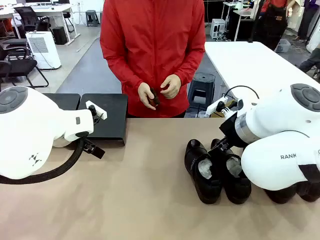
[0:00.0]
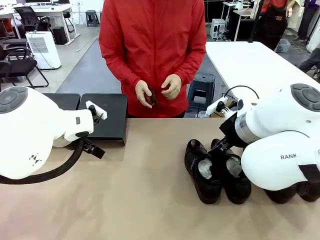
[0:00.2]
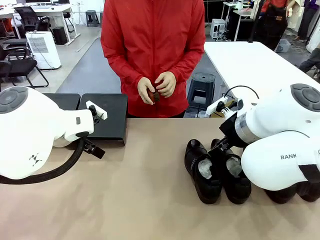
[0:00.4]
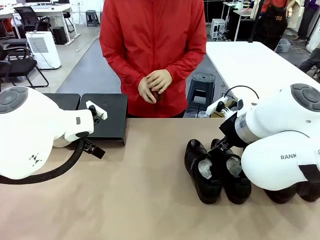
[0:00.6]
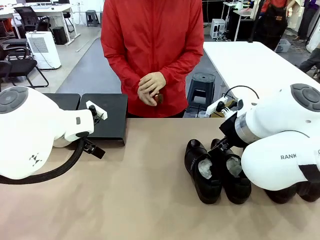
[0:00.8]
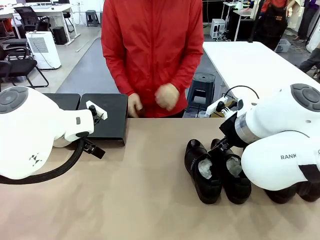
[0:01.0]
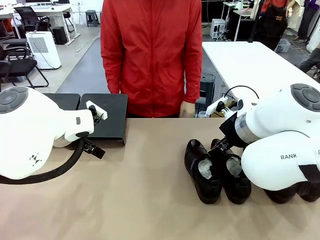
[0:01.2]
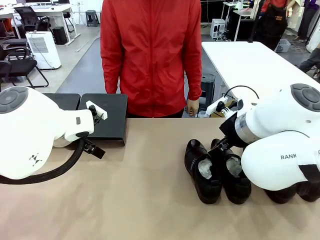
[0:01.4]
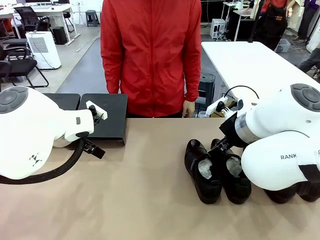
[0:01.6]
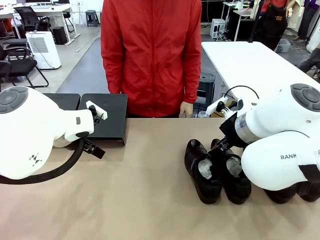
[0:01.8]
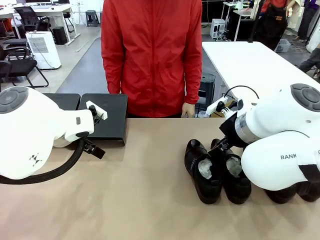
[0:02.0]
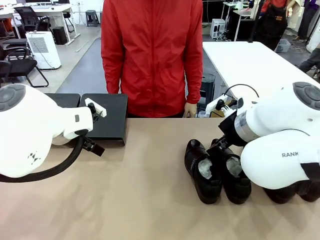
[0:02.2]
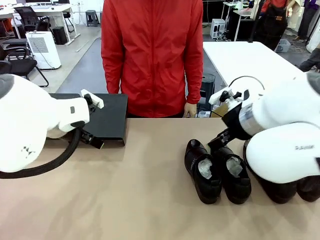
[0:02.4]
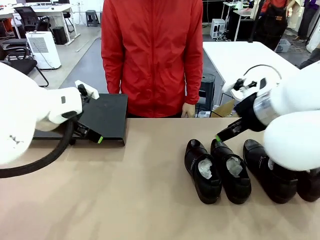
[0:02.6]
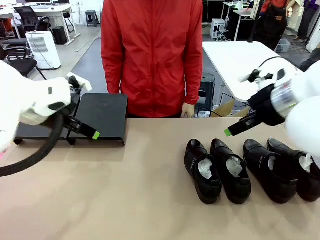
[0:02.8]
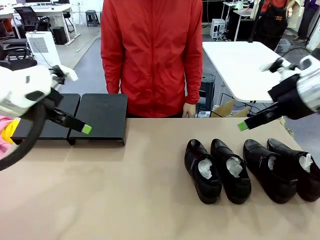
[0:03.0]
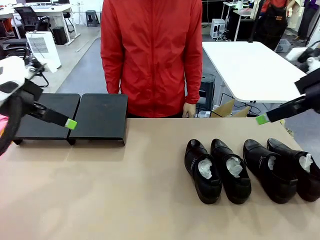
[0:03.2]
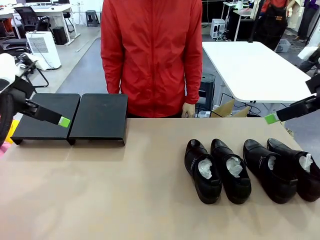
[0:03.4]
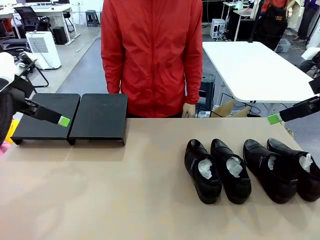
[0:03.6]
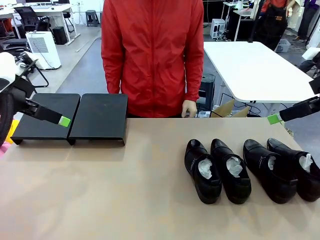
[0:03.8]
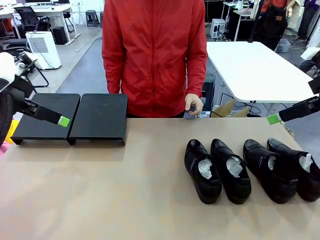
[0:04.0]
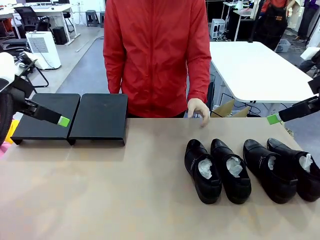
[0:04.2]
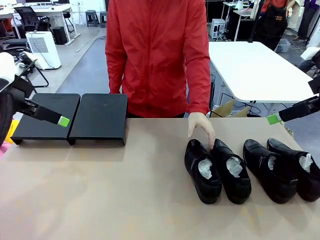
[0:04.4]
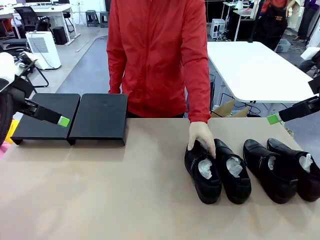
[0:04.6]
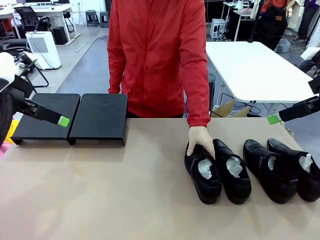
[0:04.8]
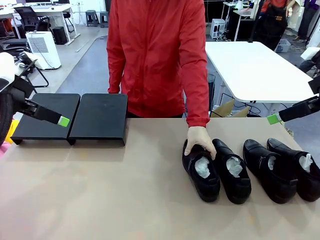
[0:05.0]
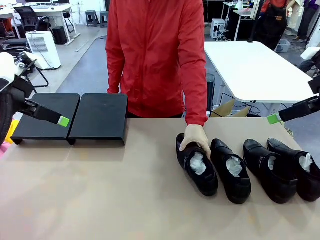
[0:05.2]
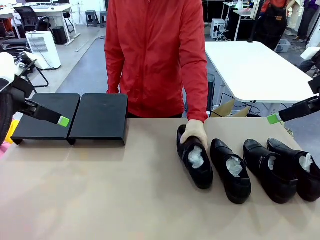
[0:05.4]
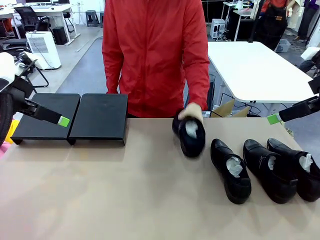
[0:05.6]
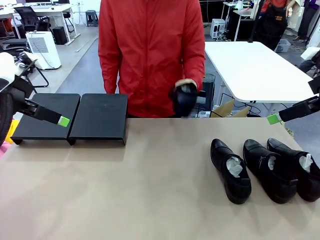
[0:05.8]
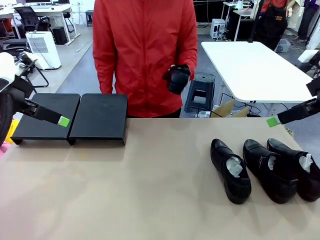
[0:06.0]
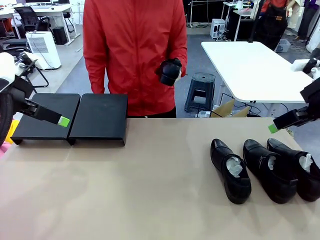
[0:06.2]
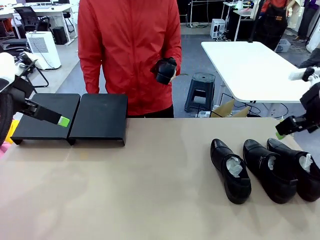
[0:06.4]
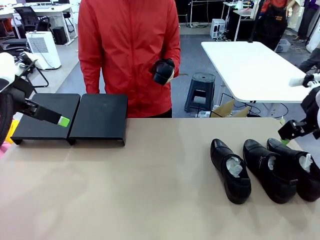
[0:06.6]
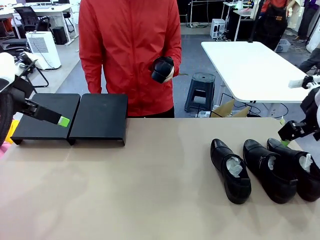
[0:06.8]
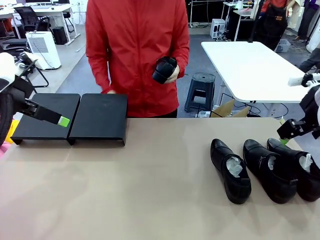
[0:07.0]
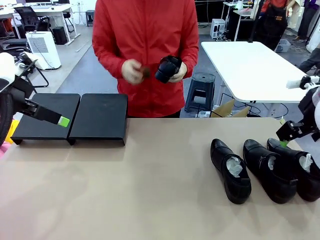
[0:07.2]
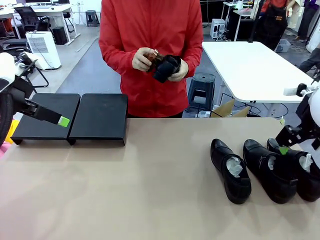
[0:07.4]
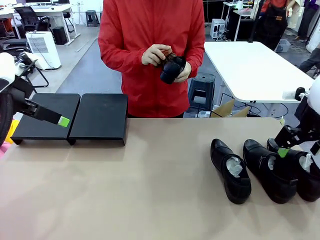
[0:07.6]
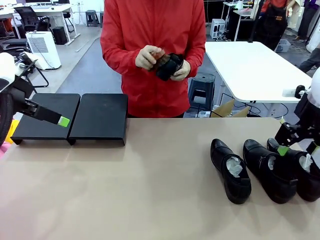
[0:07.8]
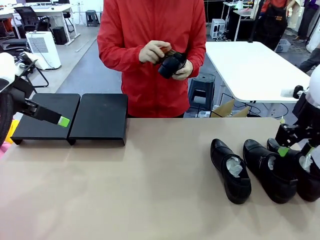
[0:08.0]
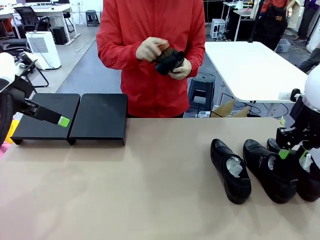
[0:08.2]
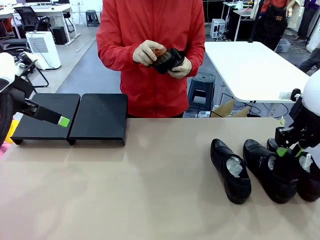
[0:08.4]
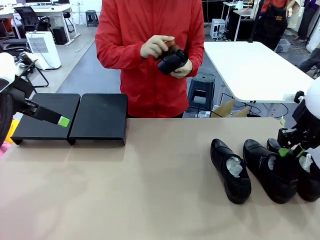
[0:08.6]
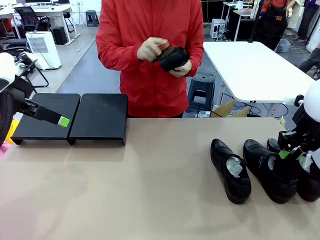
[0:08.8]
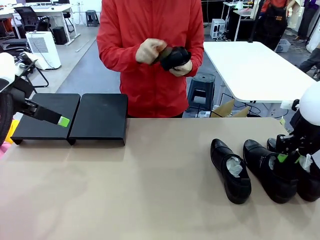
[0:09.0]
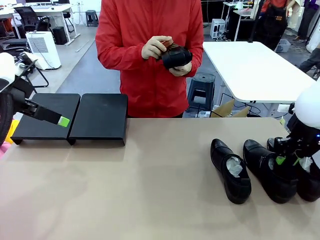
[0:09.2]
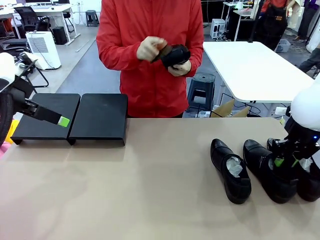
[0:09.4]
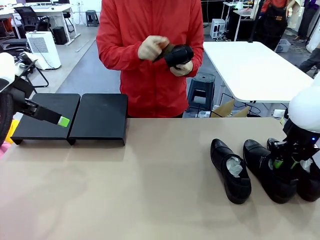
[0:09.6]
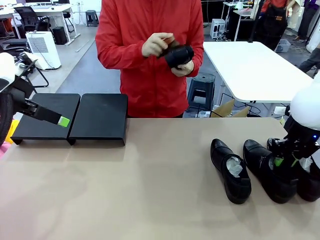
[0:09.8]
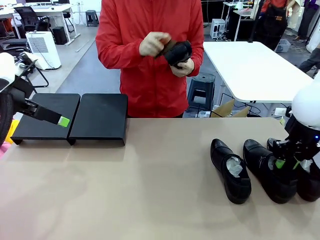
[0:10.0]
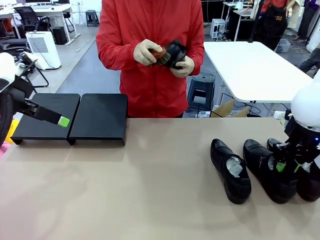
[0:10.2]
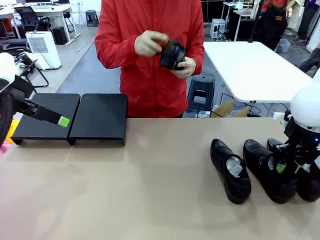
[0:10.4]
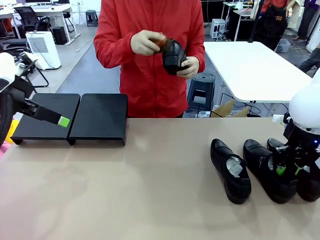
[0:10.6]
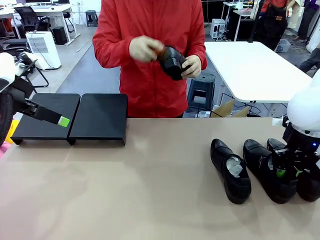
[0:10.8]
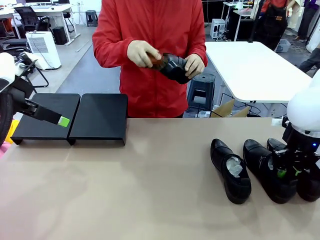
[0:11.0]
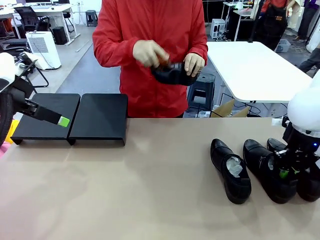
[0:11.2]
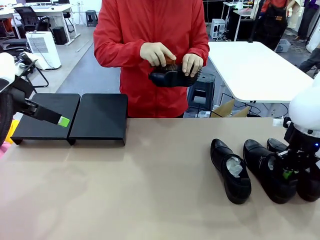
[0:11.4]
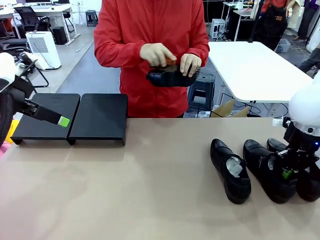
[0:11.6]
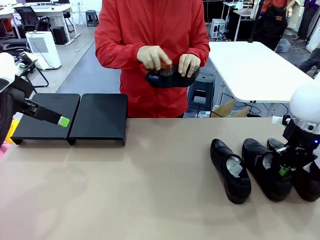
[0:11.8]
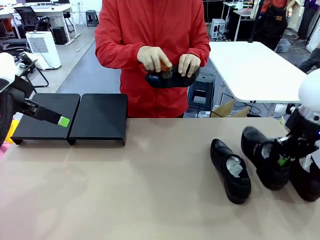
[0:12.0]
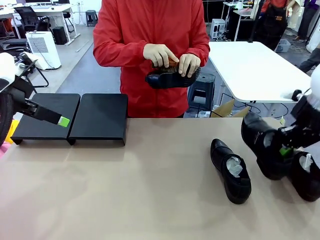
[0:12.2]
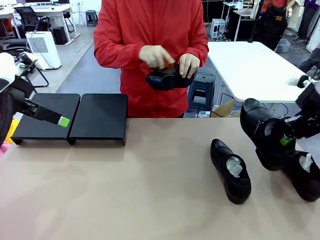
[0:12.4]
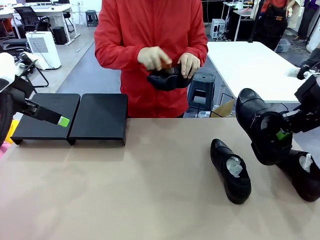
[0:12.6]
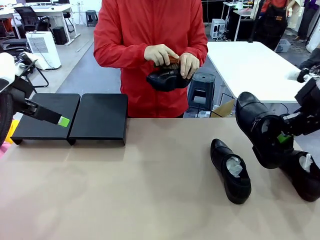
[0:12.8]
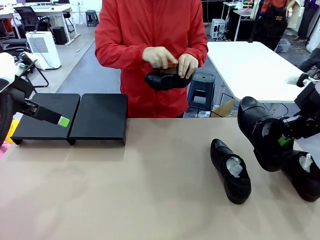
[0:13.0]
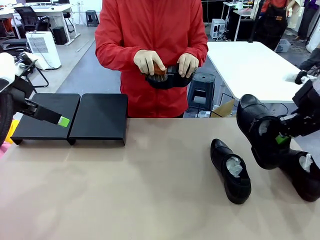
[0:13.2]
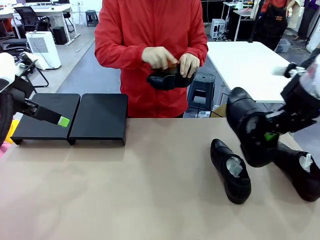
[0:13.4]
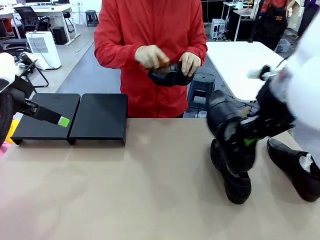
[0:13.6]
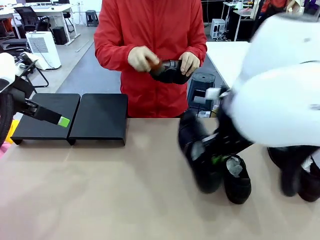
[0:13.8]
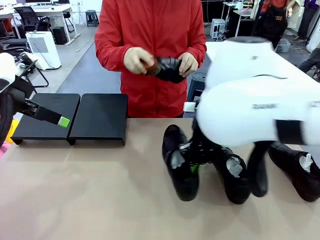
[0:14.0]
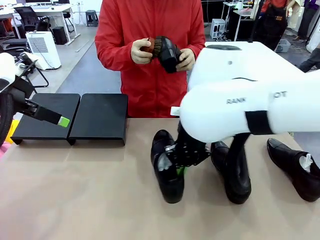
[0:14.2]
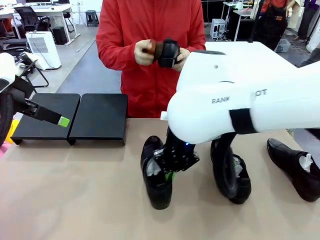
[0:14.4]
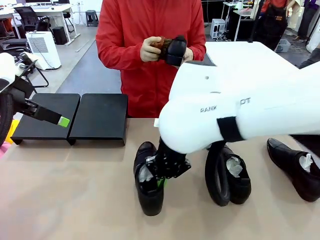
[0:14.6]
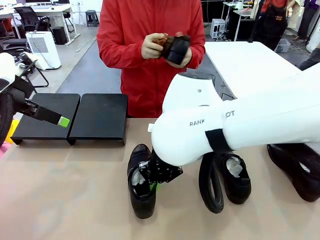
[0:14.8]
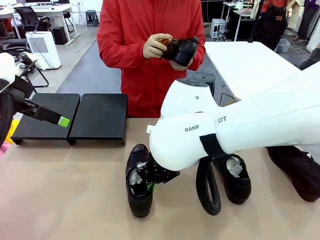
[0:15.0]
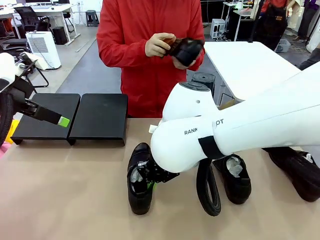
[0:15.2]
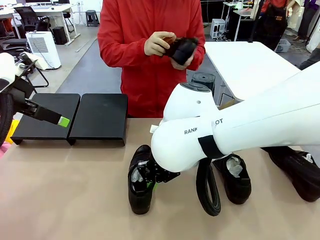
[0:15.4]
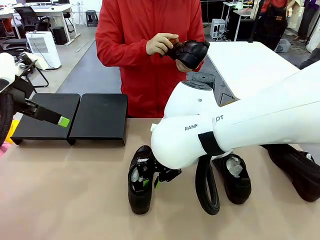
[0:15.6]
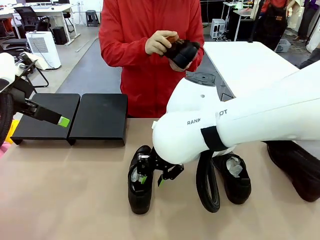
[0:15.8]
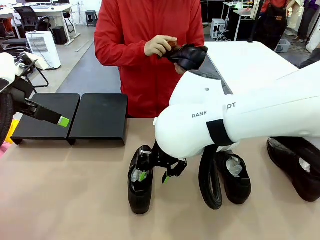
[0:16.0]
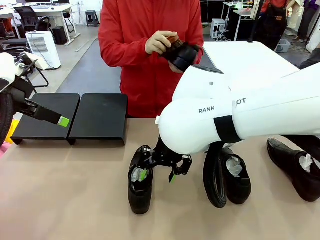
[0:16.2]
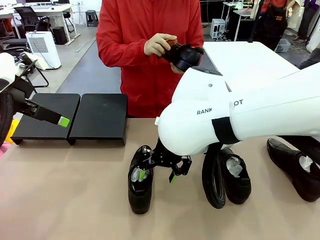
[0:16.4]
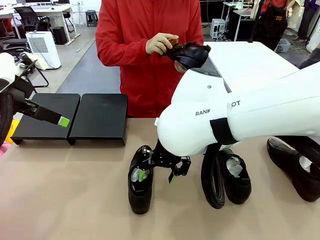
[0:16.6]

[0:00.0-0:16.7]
Task: Organize the shoes by placing them on the stand.
Robot: Pick up one Shoe and place it in the middle of the table.
Person: Pick one Shoe on Robot's table. Clean the Shoe with the Shoe Brush.
